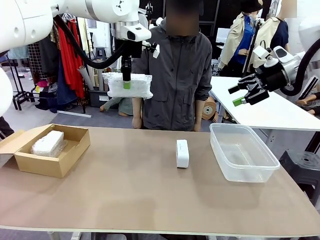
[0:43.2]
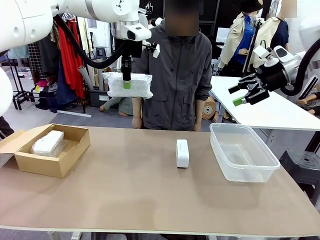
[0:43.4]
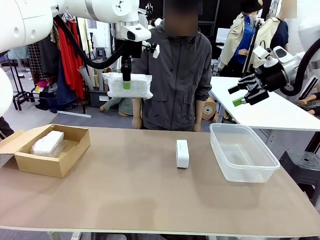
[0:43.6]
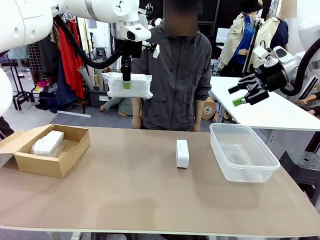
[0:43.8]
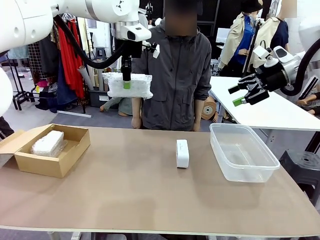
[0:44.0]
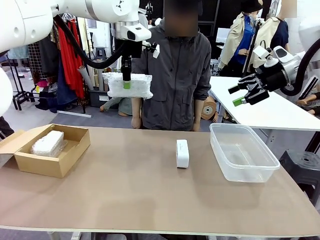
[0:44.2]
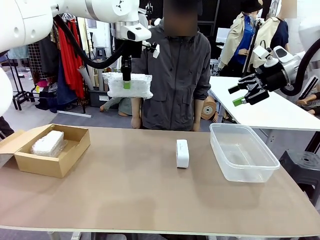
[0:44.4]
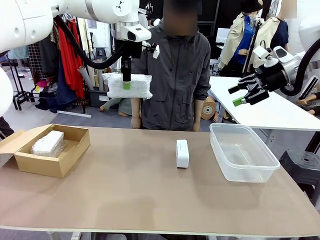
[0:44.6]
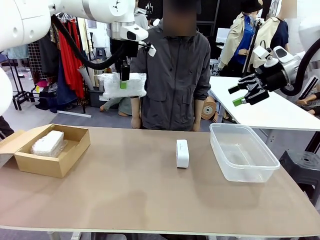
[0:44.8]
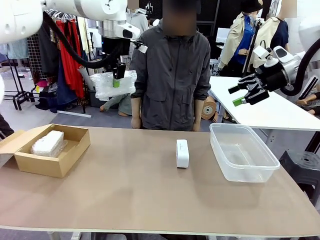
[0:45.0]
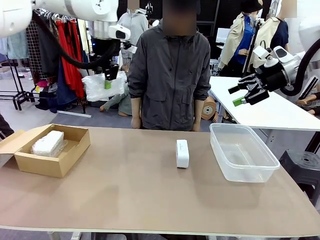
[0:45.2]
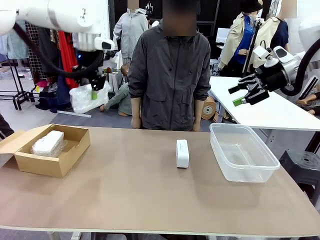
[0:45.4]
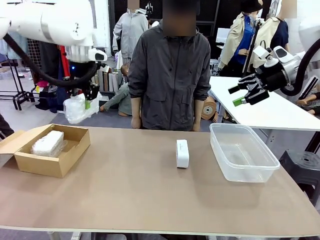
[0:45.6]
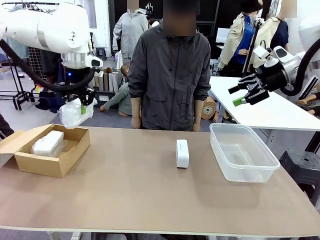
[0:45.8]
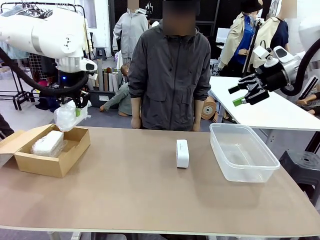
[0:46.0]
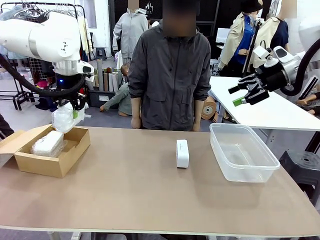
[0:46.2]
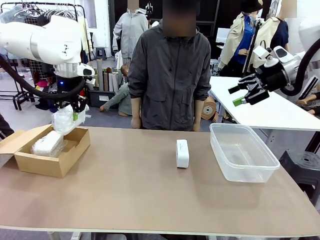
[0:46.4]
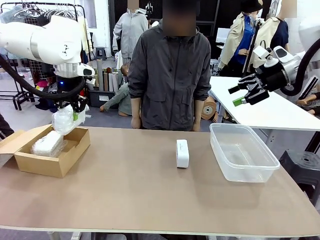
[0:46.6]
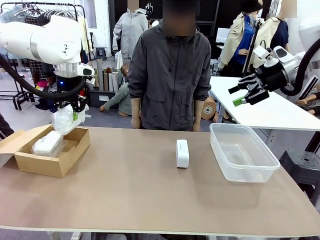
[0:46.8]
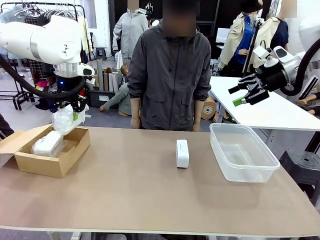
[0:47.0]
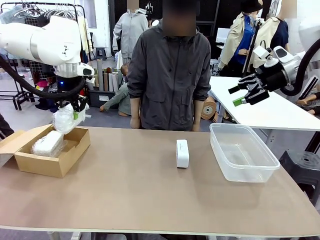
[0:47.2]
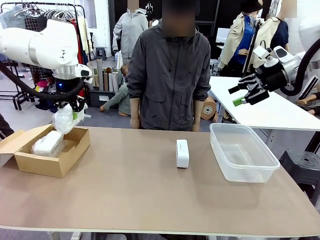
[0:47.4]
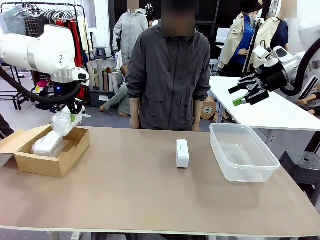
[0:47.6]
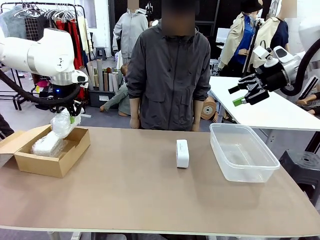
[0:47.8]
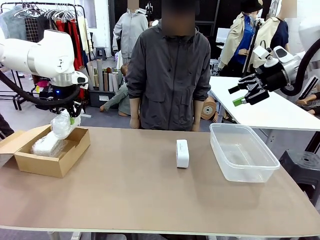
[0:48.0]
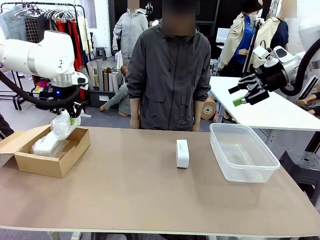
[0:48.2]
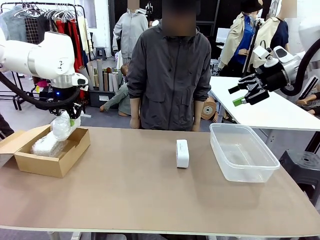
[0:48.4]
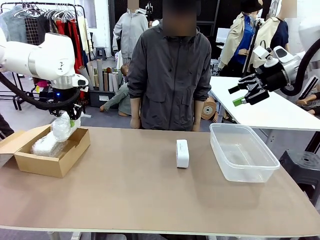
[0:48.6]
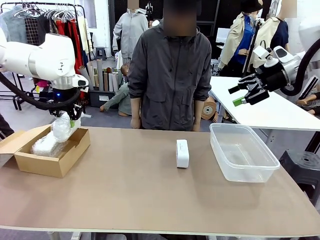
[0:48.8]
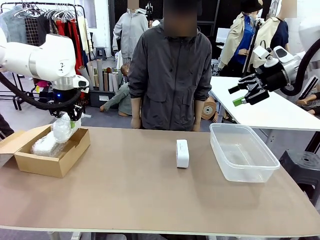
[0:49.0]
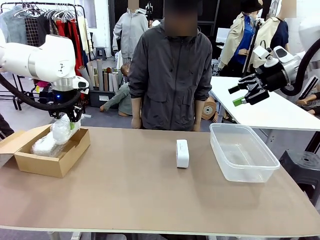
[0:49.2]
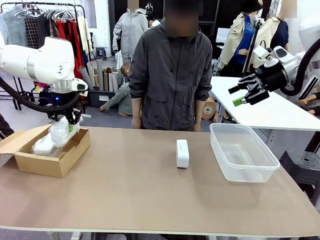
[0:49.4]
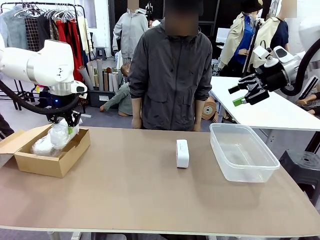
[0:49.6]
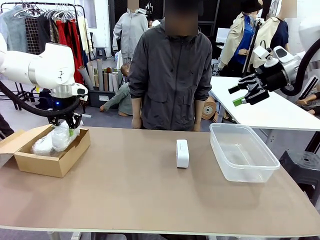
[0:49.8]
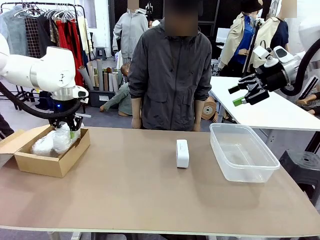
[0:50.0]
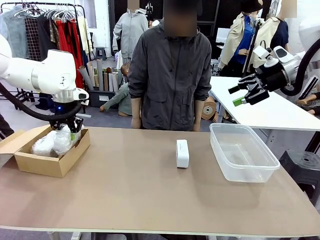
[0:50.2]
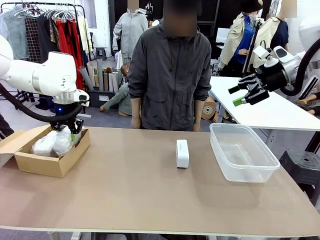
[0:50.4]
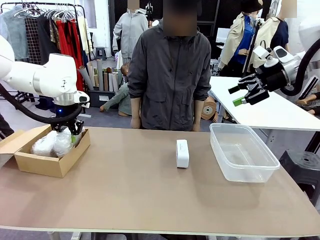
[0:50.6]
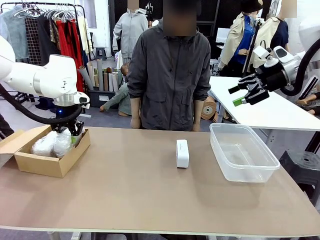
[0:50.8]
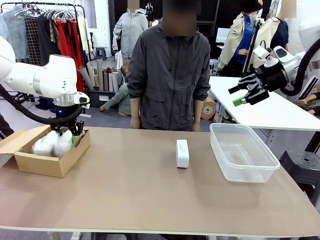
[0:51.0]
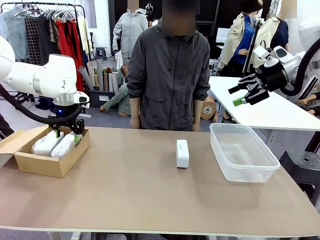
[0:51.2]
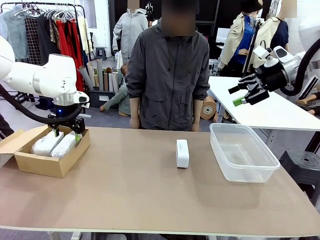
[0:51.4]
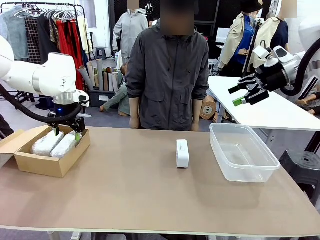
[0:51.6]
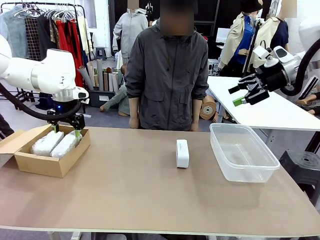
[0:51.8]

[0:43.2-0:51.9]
Task: Separate and place wrapped and unwrapped clocks.
Robot: If the picked Digital clock is wrapped, place it in the Package Box ; if not, place it in the Organizing box.

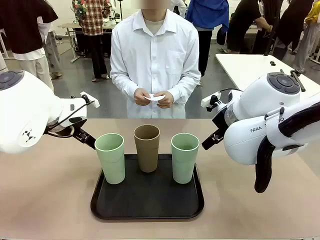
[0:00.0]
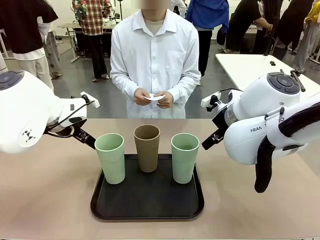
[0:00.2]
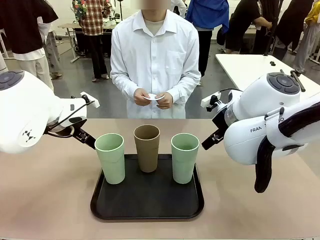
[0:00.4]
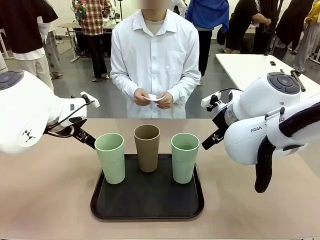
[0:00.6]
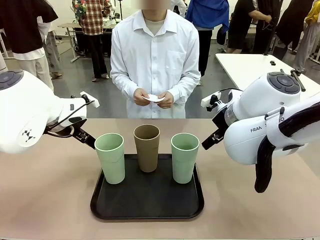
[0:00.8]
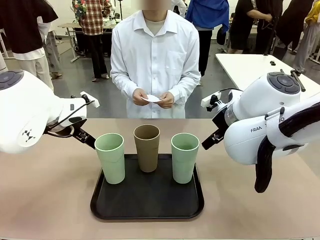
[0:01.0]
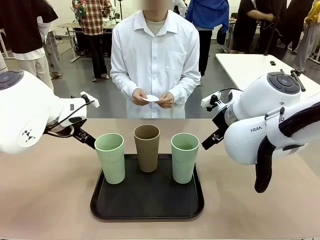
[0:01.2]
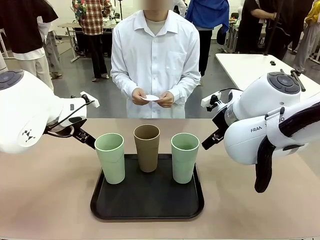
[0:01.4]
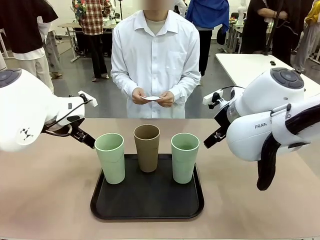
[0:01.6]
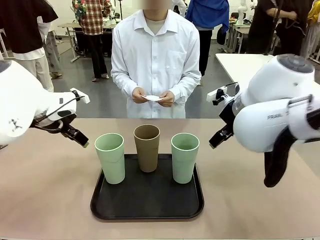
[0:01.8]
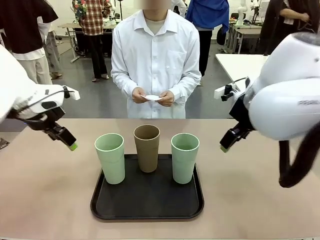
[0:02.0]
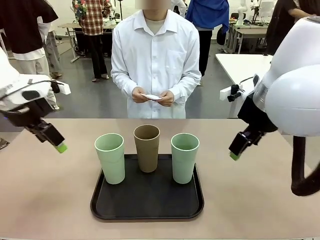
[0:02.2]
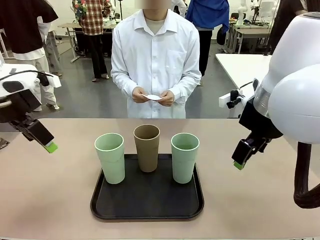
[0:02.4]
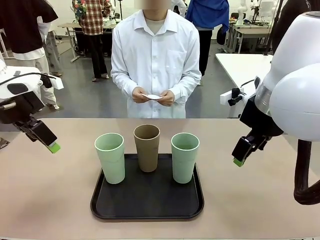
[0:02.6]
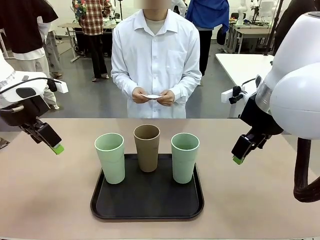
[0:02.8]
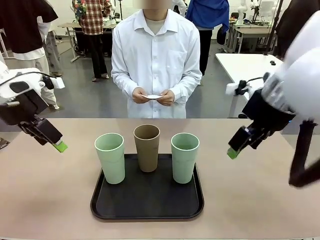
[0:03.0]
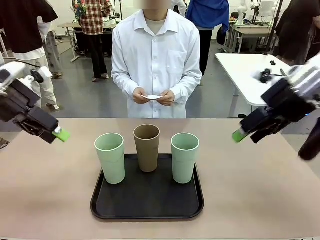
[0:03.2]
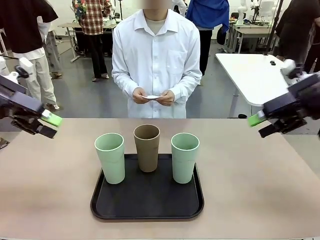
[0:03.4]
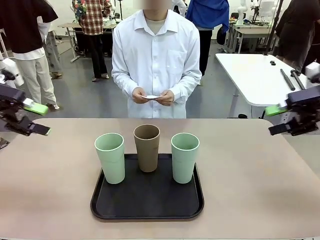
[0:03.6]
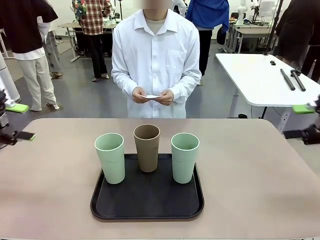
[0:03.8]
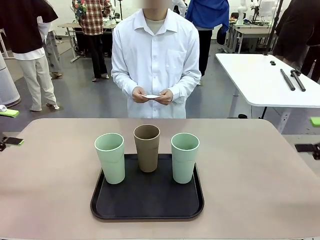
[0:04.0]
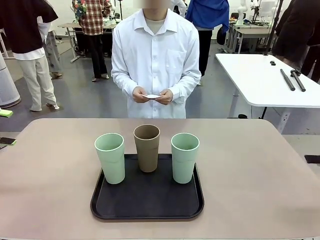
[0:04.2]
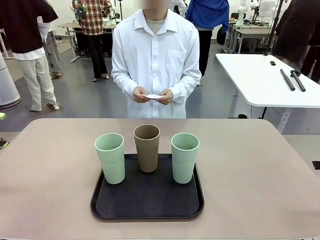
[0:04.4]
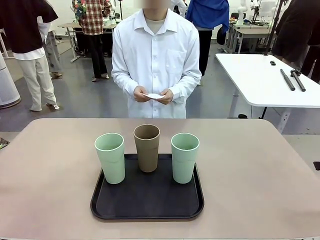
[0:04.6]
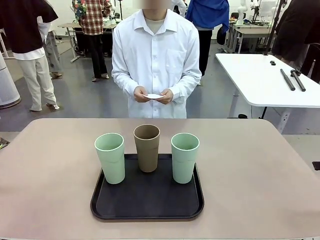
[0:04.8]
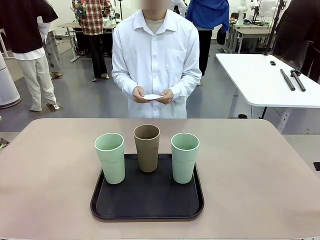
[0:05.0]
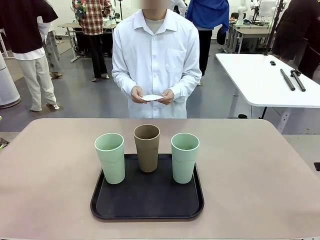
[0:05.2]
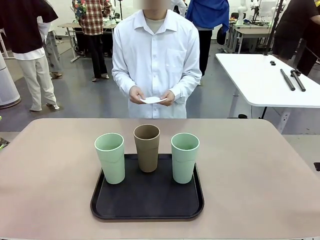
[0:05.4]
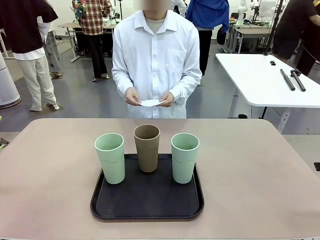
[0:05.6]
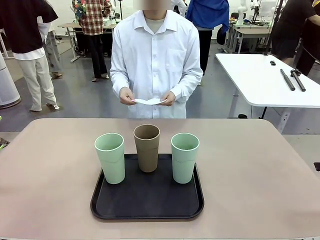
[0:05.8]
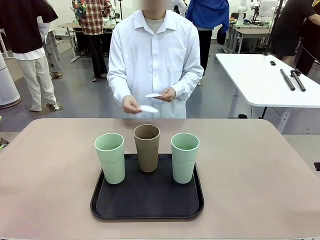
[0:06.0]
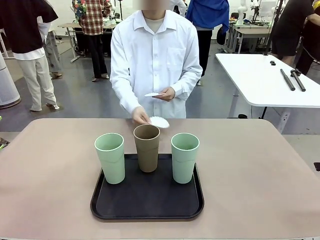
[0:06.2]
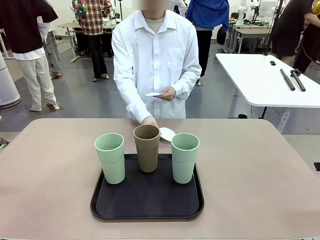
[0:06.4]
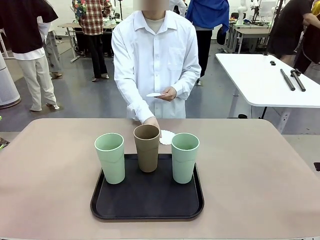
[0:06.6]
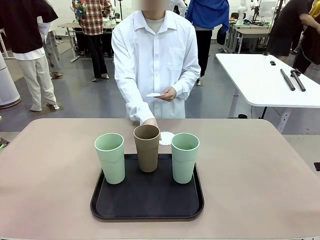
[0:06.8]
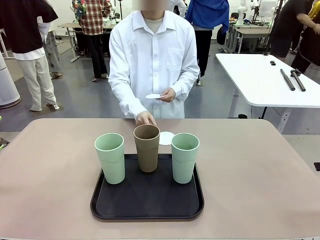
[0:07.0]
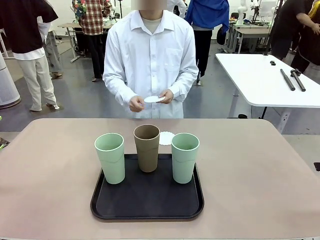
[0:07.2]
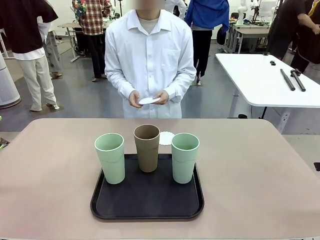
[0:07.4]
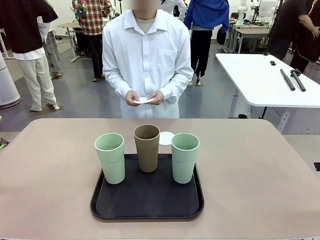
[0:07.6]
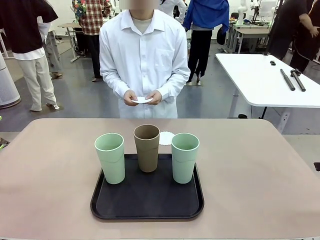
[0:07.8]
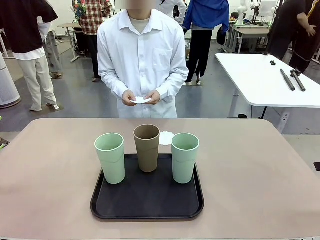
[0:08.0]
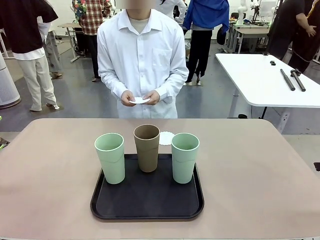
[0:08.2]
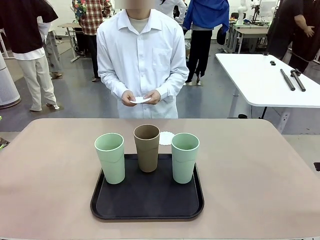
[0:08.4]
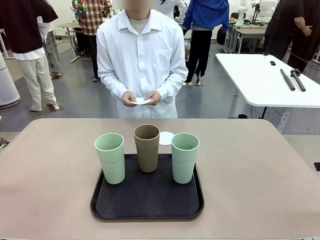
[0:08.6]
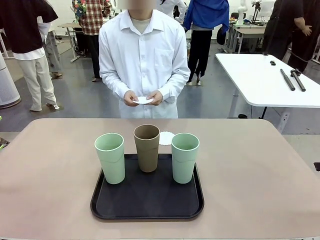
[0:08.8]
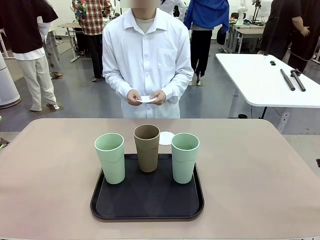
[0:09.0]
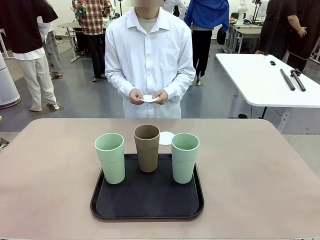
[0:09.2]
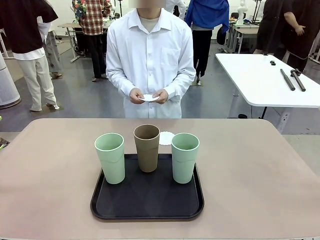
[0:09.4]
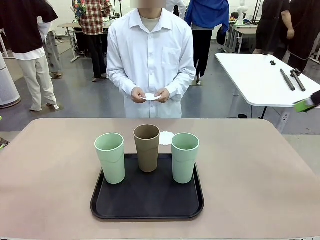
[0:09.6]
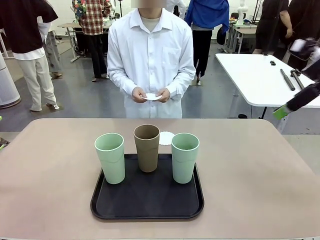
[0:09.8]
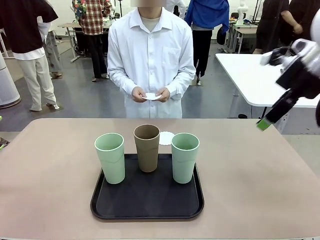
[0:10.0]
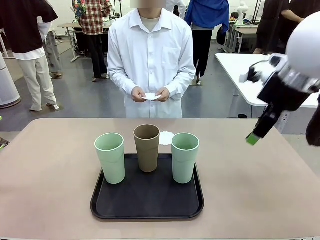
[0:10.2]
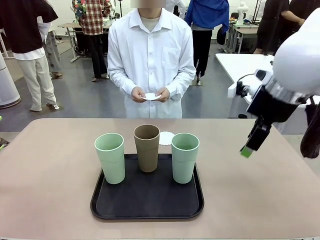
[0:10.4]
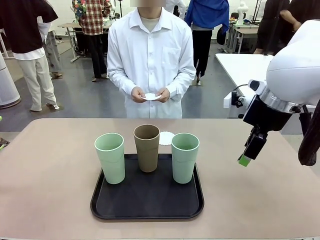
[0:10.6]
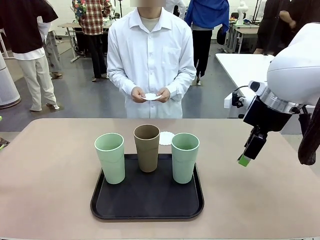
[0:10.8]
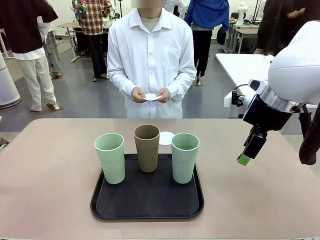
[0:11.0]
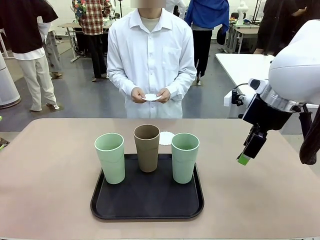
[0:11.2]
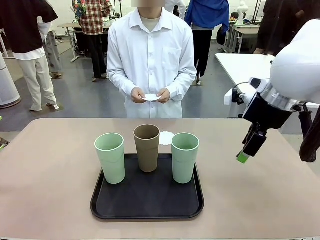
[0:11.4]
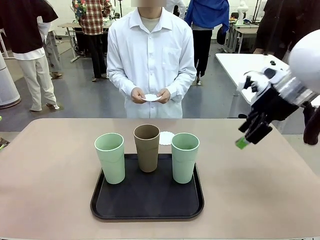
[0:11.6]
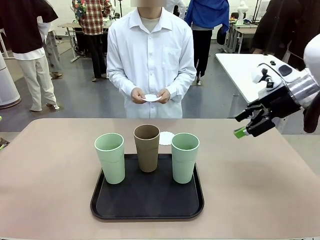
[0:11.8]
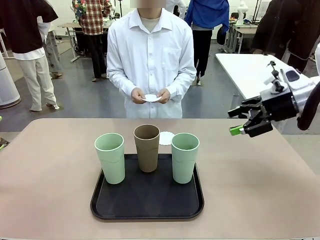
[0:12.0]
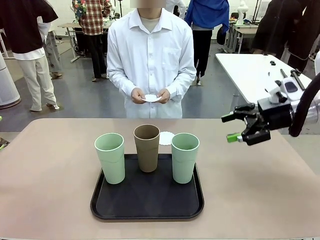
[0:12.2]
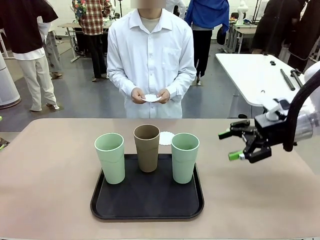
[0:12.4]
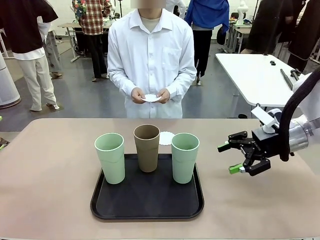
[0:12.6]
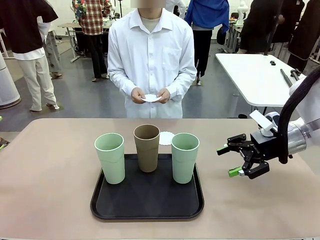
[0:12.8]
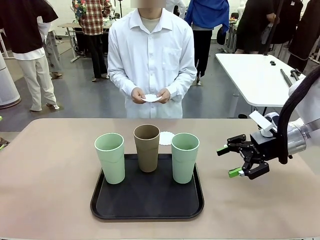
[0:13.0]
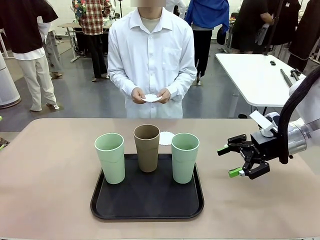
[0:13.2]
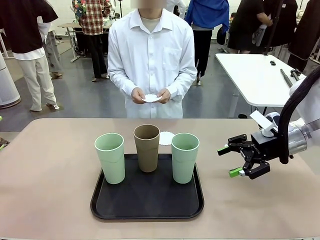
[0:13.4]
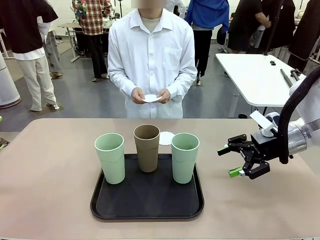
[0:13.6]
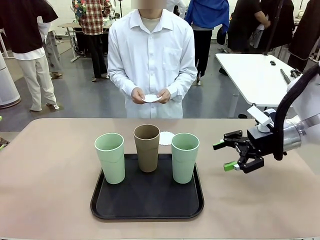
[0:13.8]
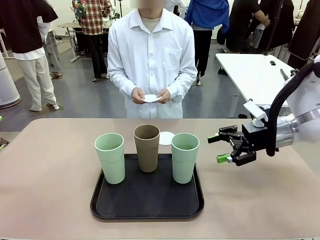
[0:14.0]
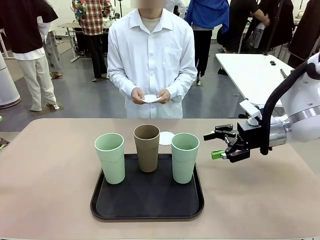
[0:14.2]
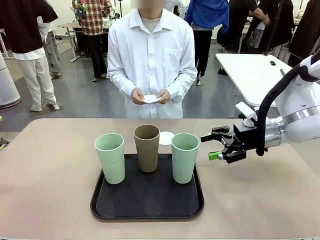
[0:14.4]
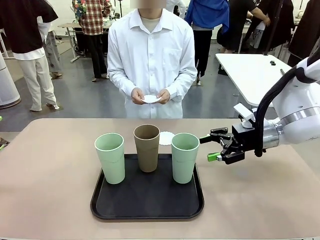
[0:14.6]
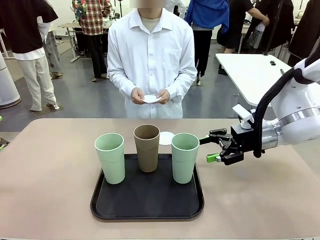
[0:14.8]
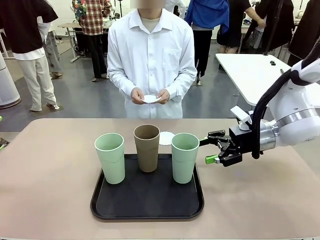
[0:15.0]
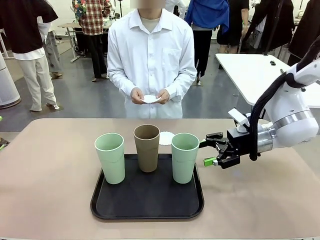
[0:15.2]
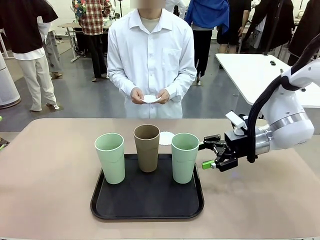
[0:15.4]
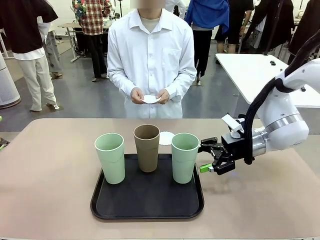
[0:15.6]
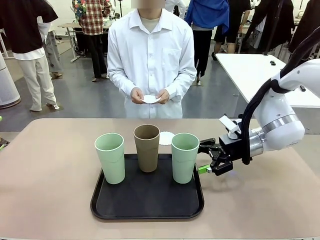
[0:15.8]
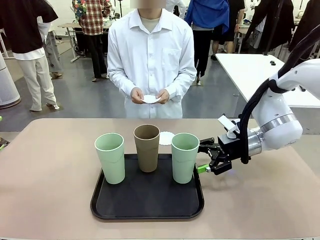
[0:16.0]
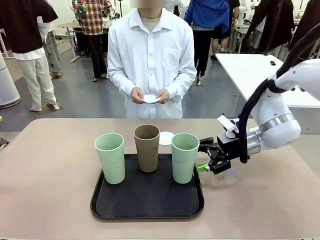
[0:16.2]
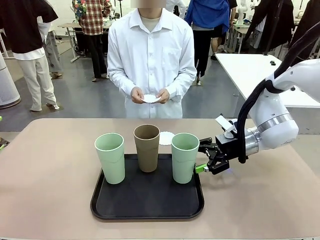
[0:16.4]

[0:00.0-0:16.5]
Task: Place coasters on the table and set cups on them.
Robot: Pick up one Reusable plastic cup and place it on a coaster set by the human.
Person: Place one coaster in any one of the three lower areas of the robot table (left, center, or right).
